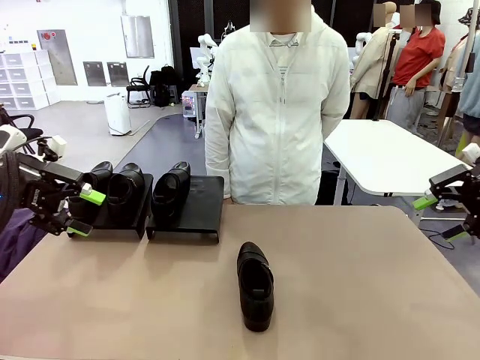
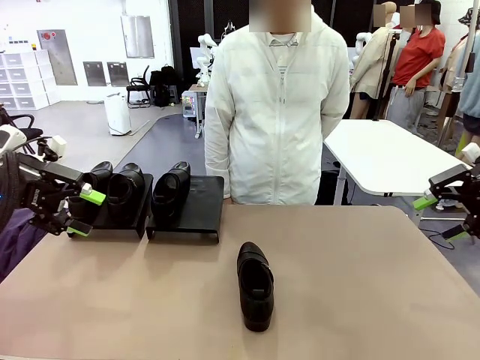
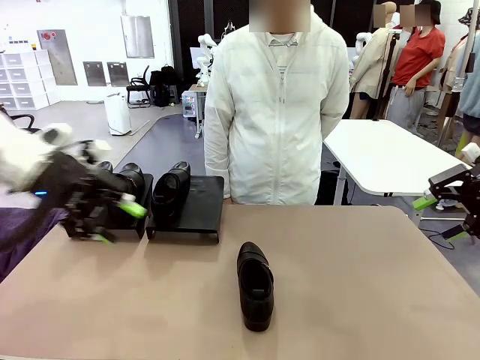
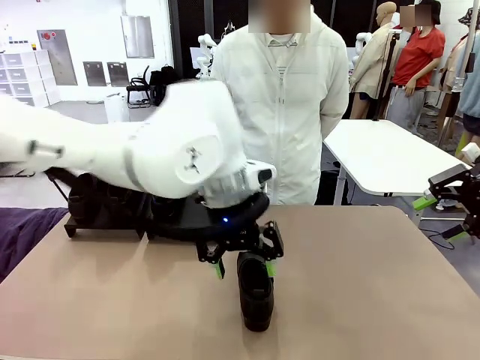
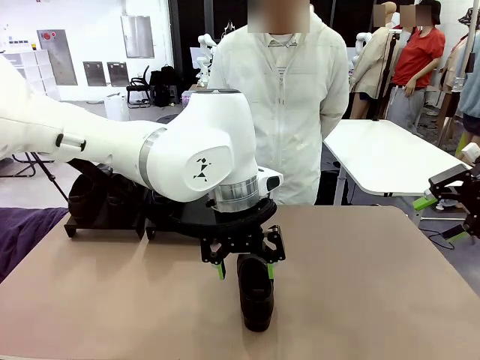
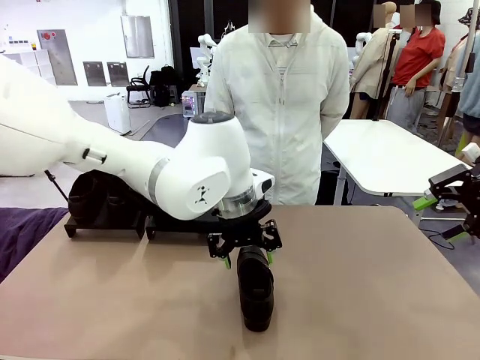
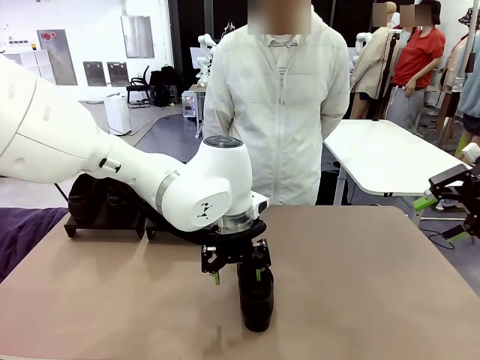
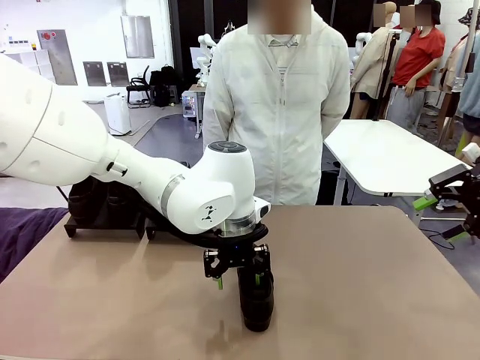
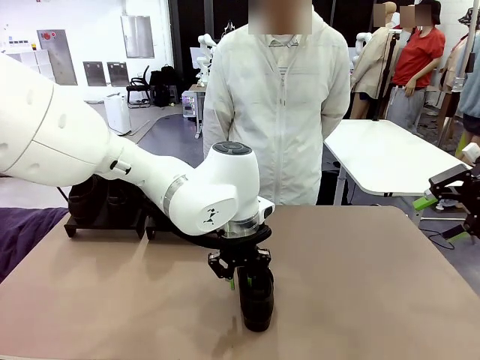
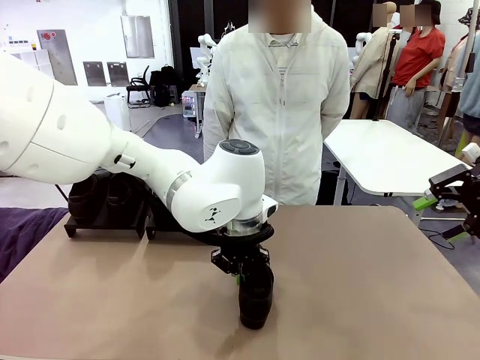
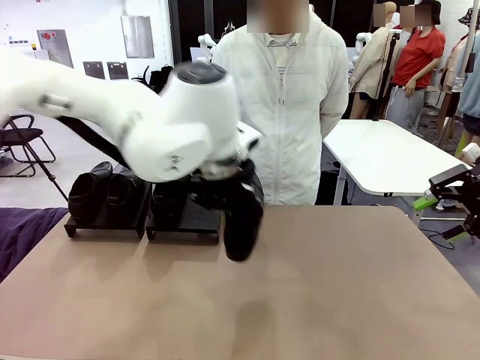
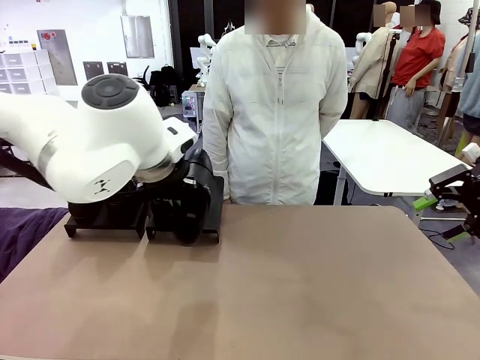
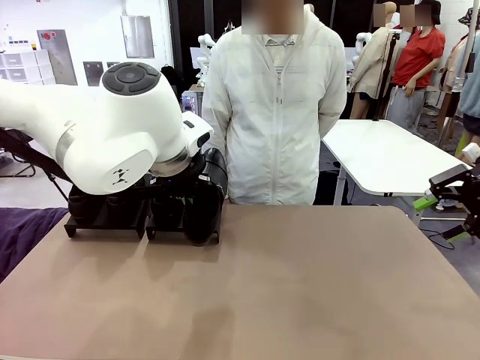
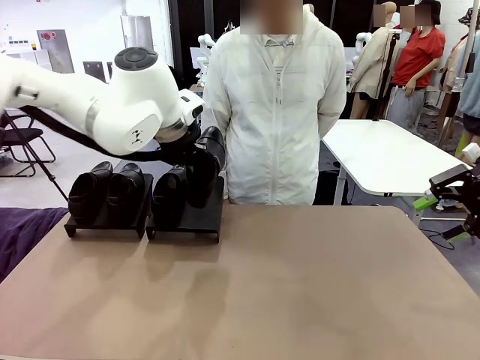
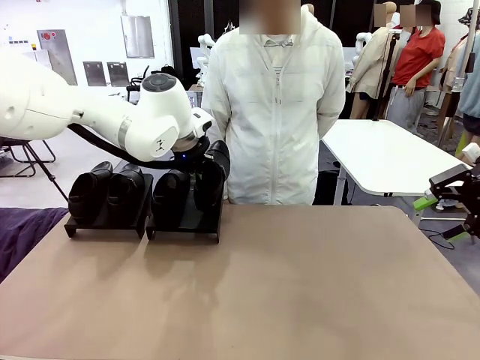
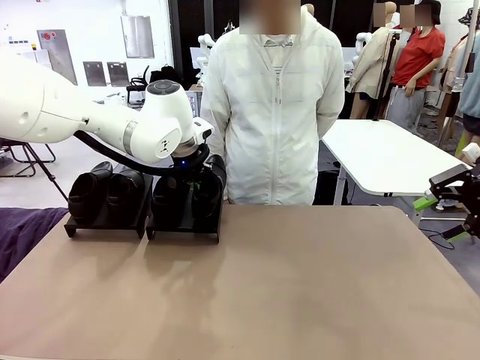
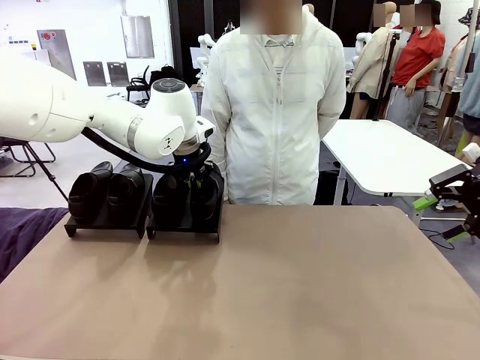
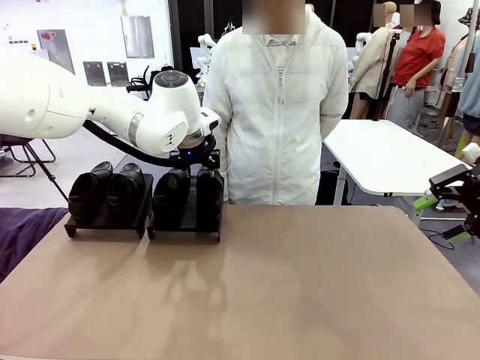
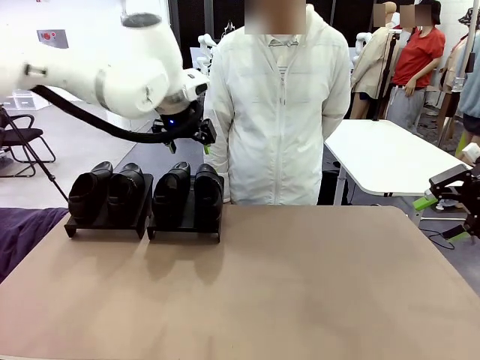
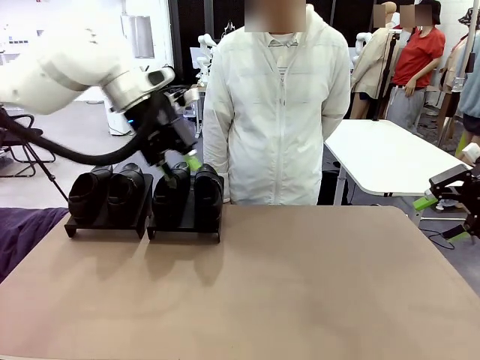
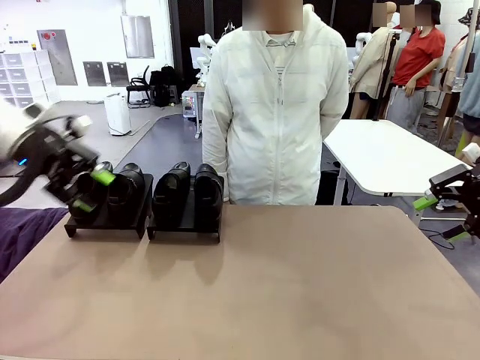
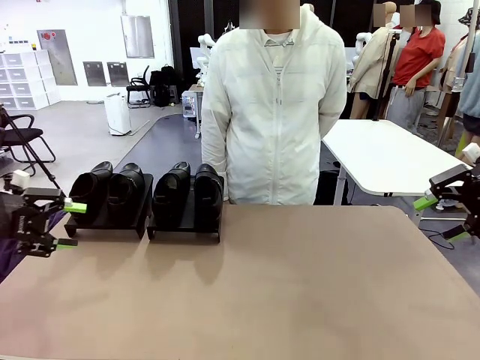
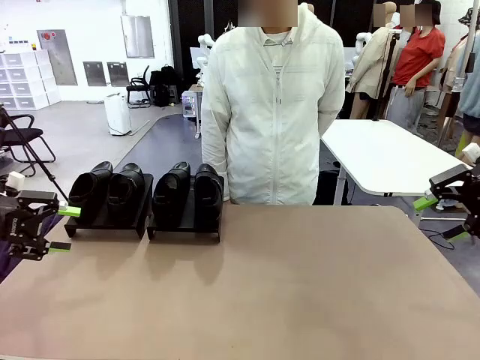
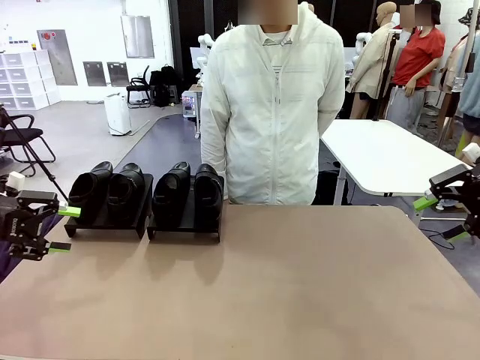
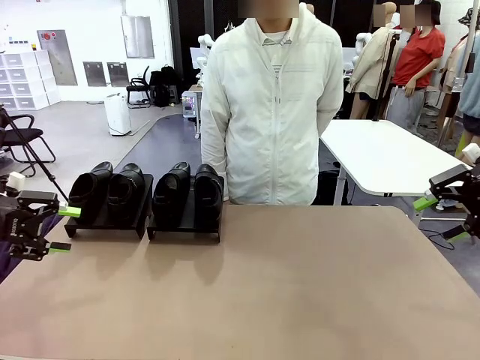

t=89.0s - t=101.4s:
Task: Organize the shoes by placing them on the stand.
Robot: Place the Shoe from the middle of the table onto the Shoes Stand.

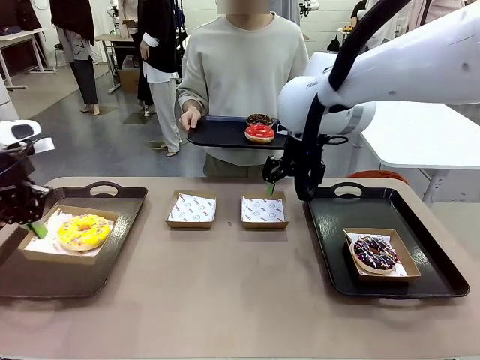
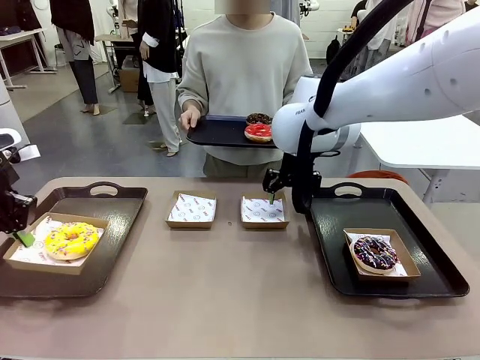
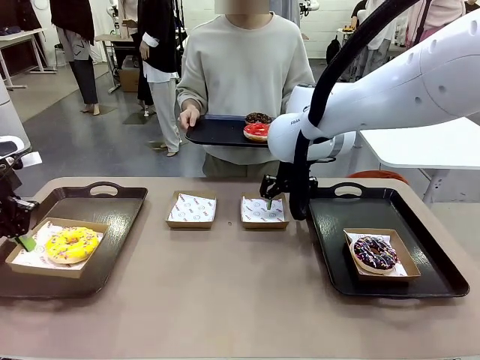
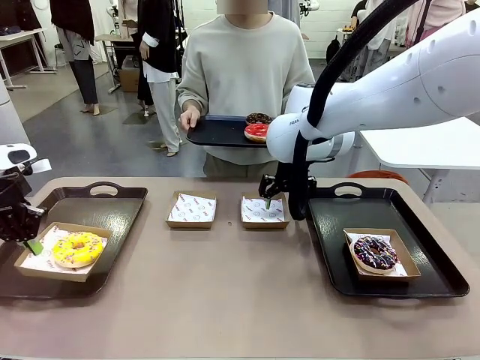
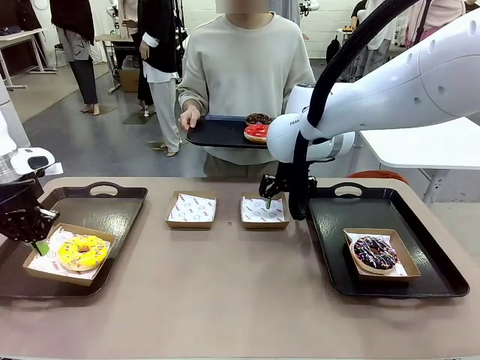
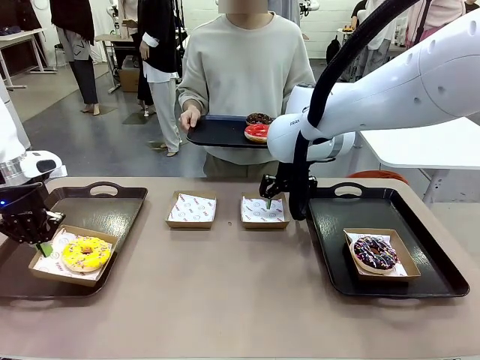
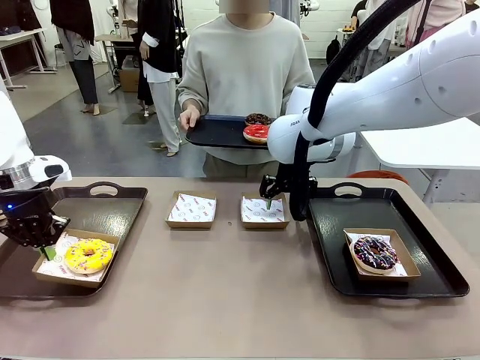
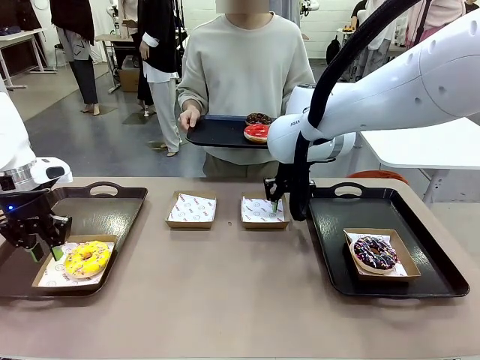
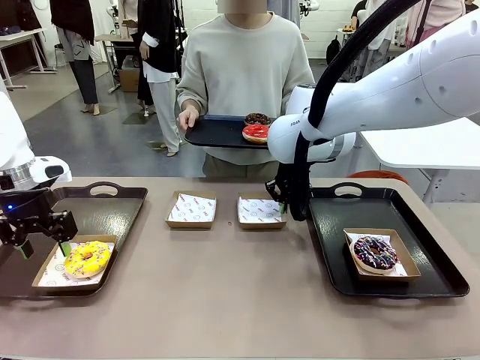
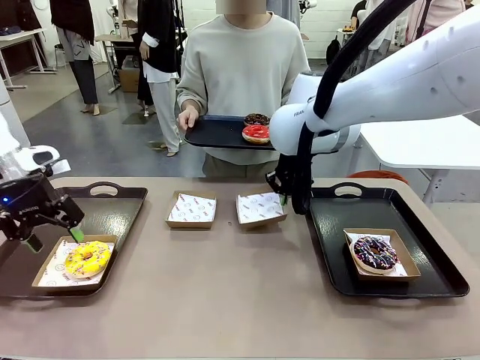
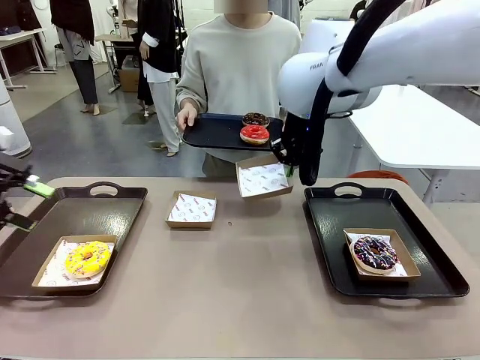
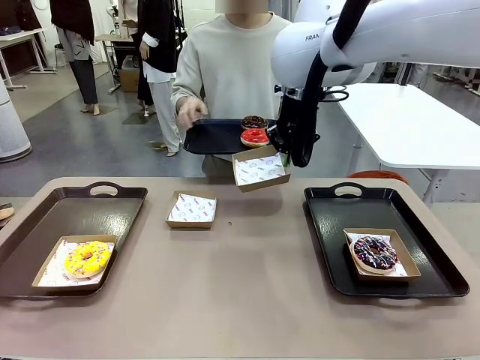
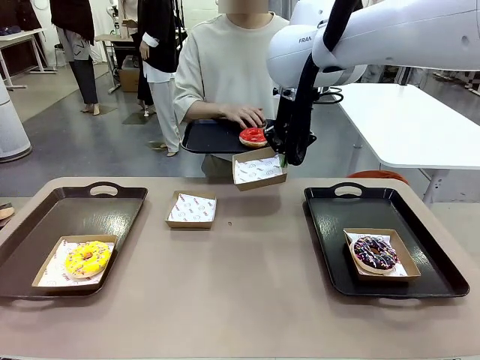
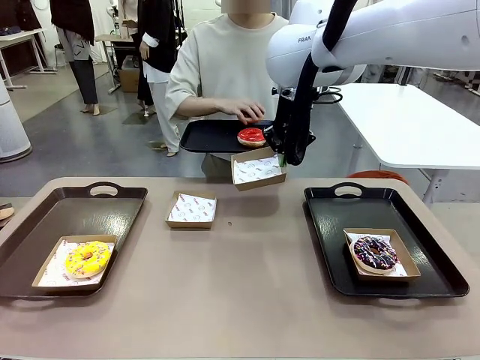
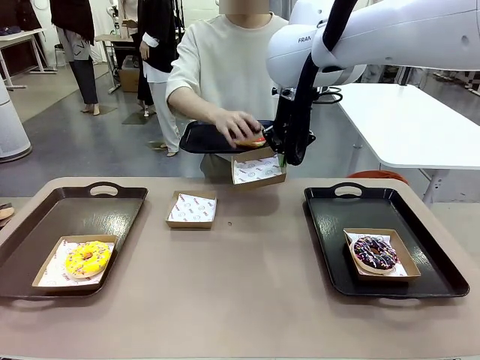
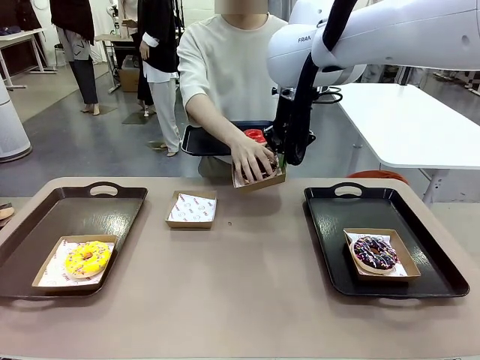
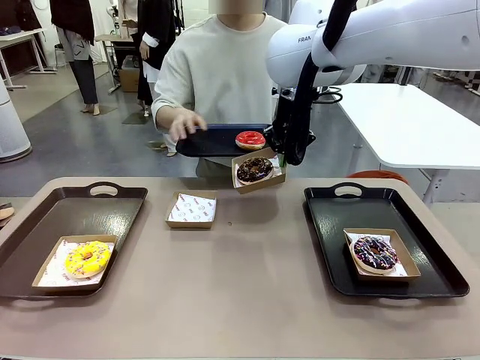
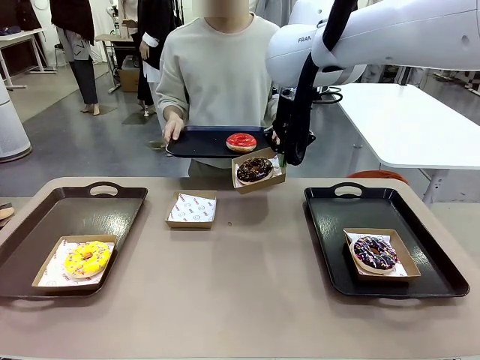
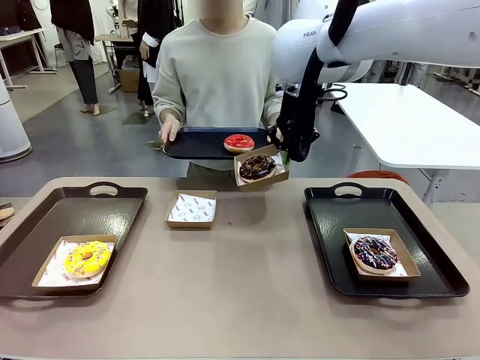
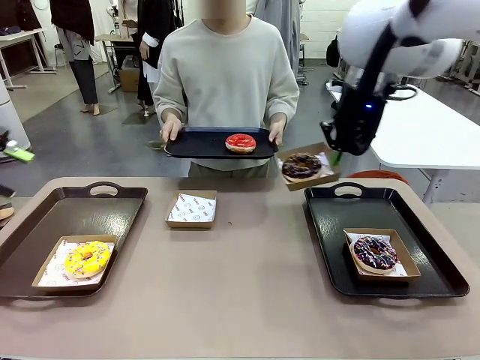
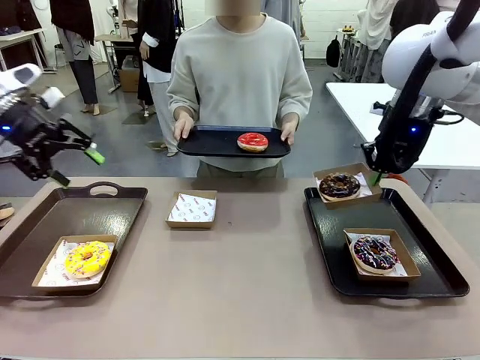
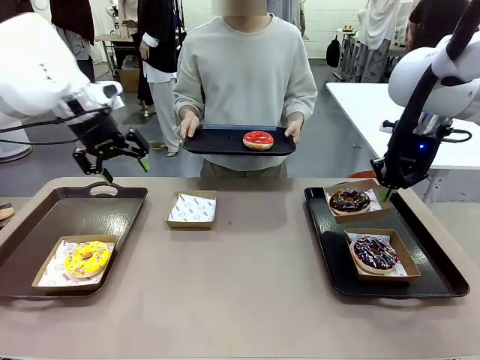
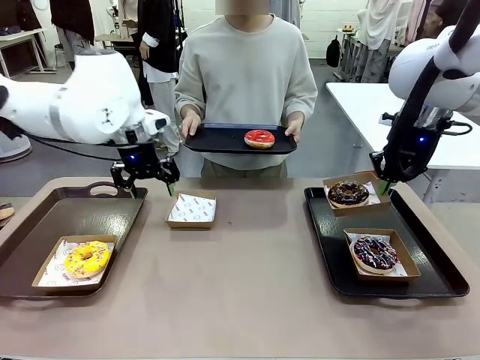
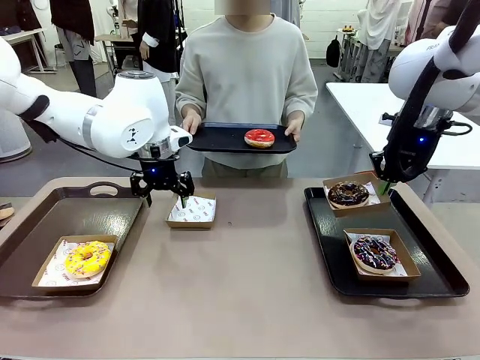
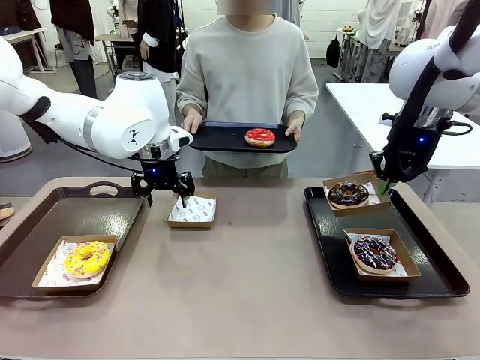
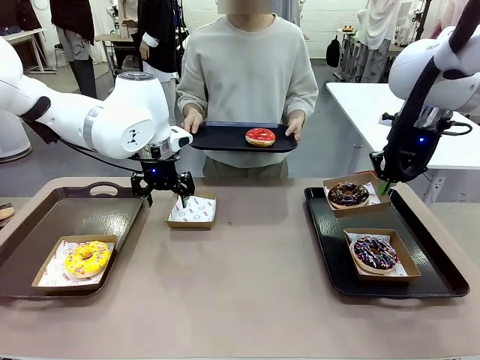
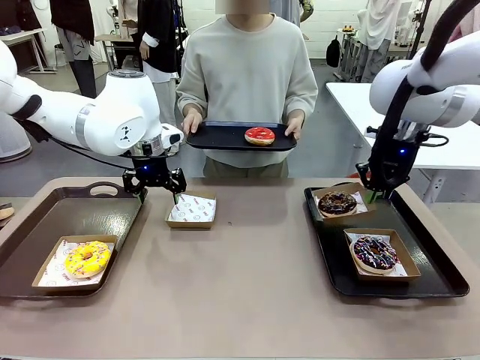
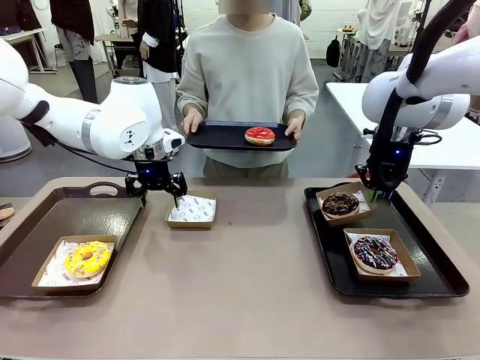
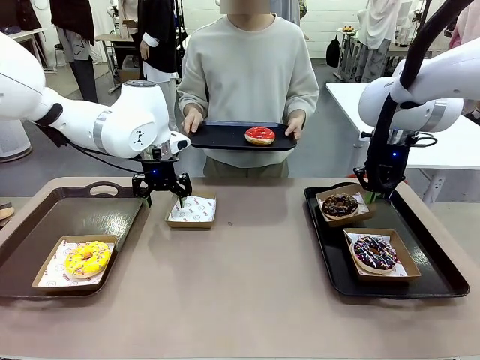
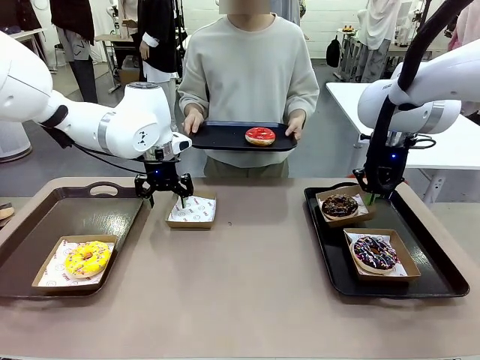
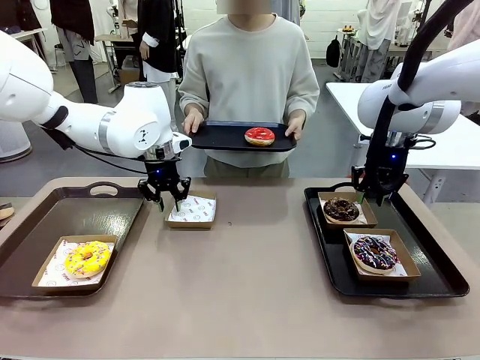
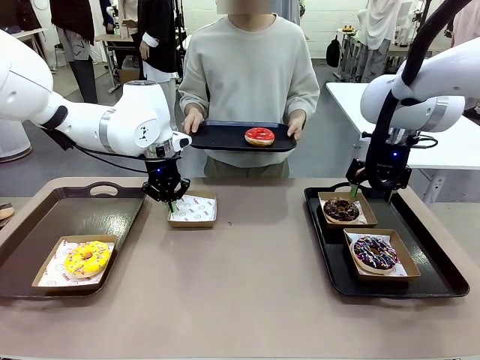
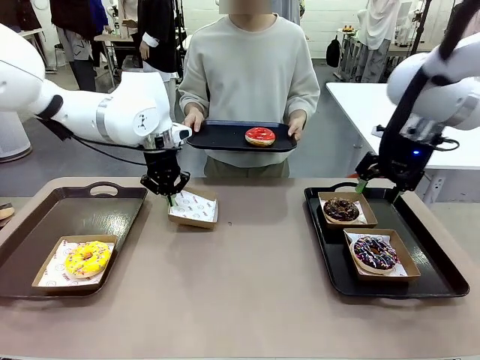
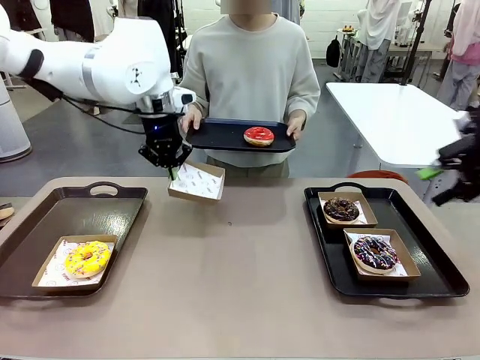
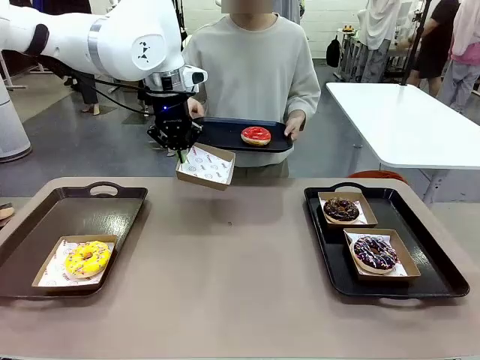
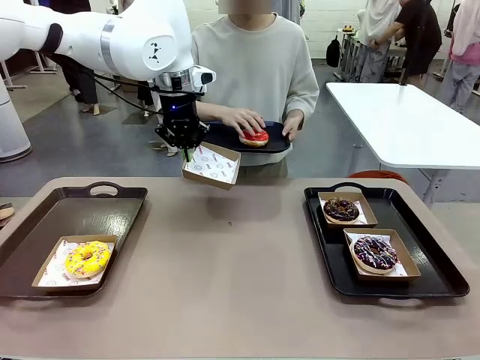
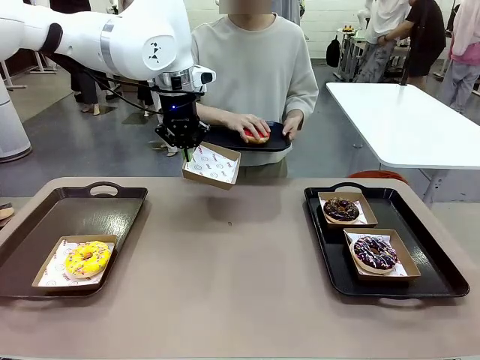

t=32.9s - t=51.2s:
Task: Individually package the donuts and arrange them on the tray.
Robot: Place the picked Paper togo box on the Handle tray while simultaneously picking up another Paper togo box from the table with the other hand.
